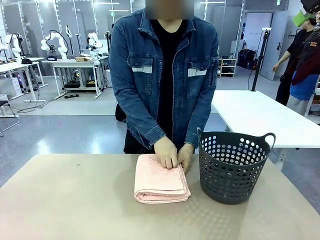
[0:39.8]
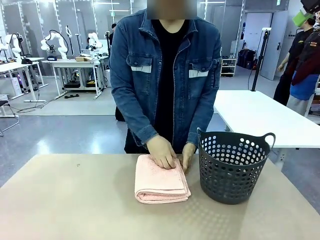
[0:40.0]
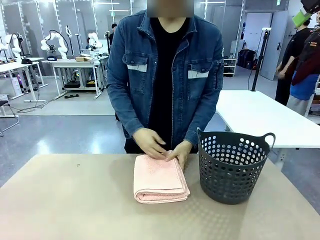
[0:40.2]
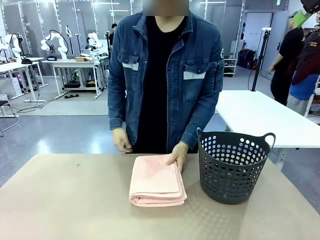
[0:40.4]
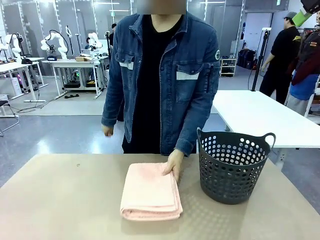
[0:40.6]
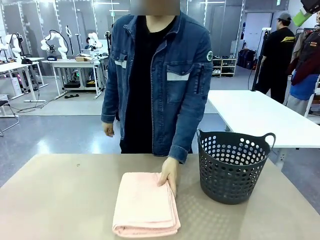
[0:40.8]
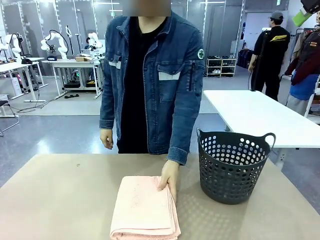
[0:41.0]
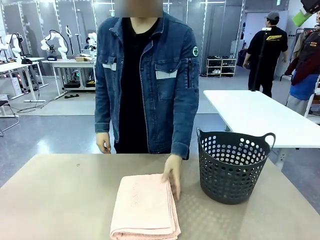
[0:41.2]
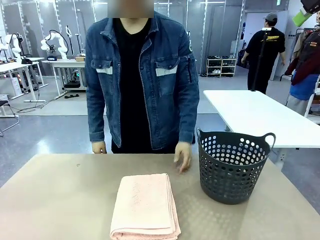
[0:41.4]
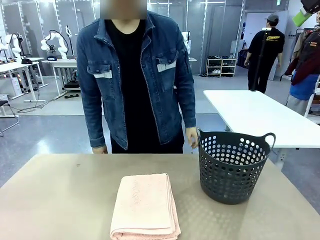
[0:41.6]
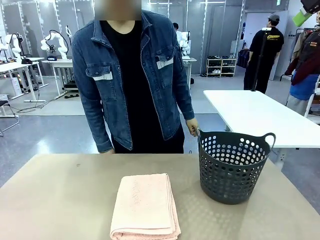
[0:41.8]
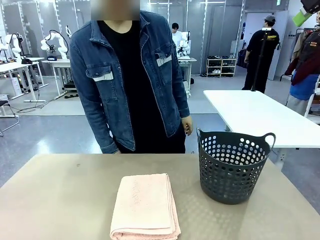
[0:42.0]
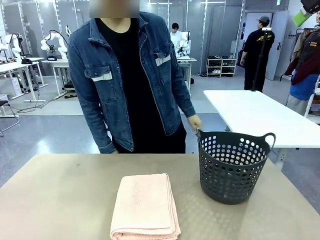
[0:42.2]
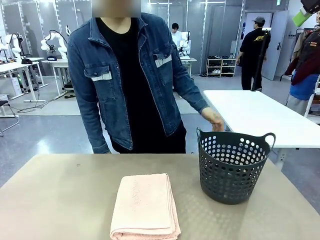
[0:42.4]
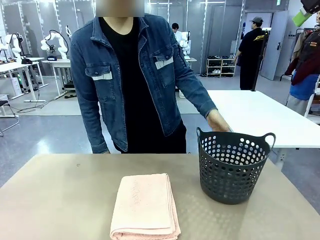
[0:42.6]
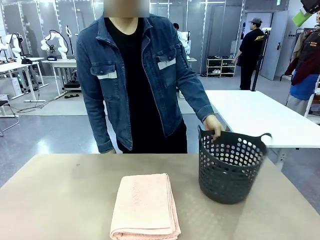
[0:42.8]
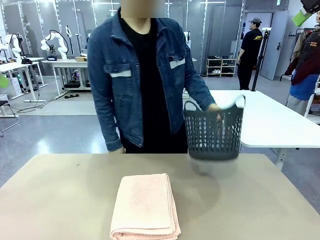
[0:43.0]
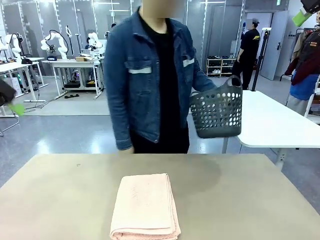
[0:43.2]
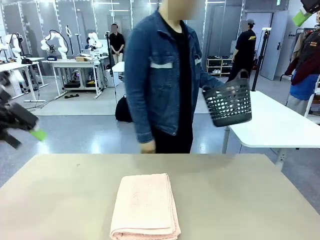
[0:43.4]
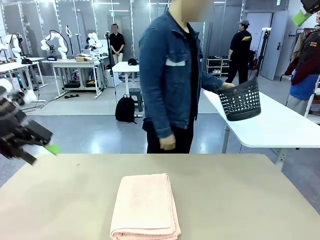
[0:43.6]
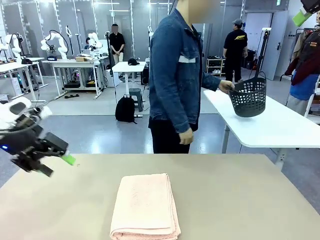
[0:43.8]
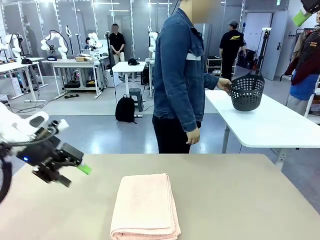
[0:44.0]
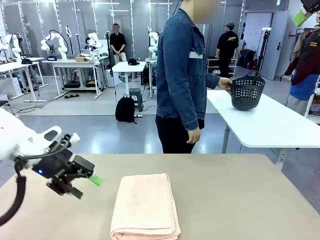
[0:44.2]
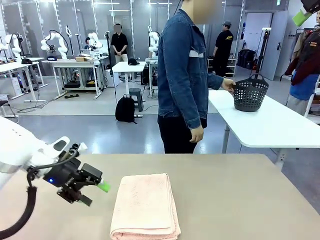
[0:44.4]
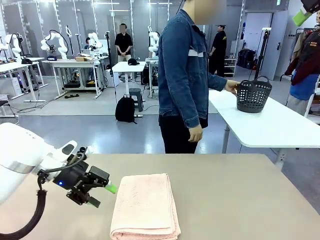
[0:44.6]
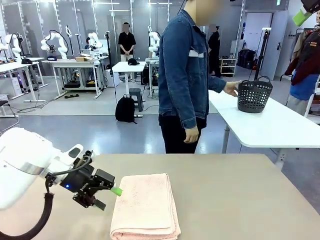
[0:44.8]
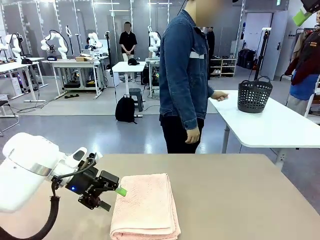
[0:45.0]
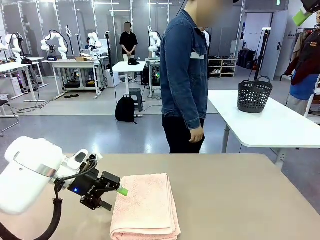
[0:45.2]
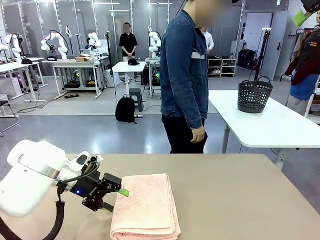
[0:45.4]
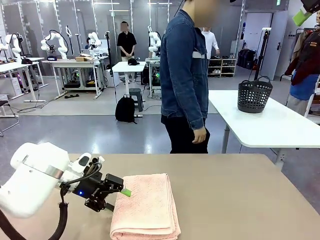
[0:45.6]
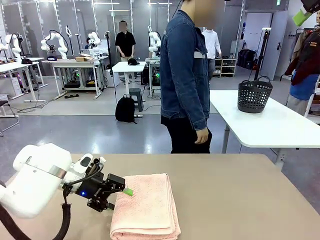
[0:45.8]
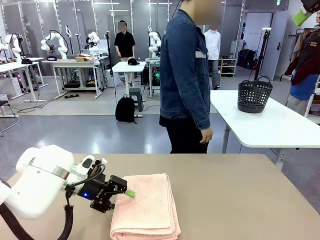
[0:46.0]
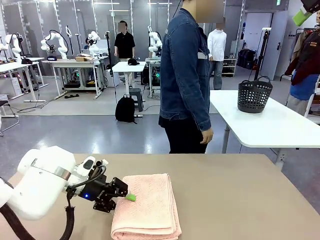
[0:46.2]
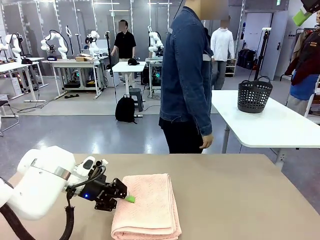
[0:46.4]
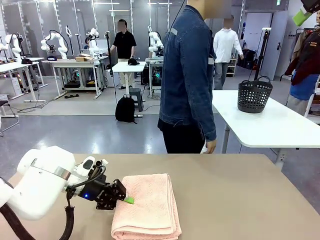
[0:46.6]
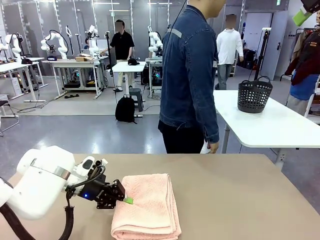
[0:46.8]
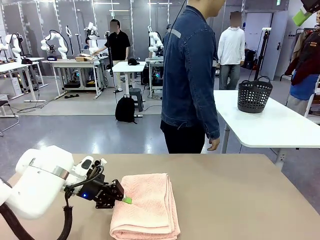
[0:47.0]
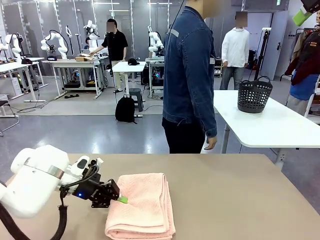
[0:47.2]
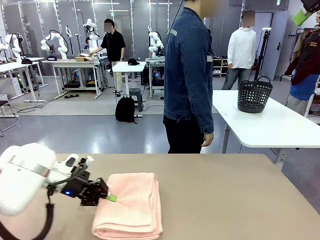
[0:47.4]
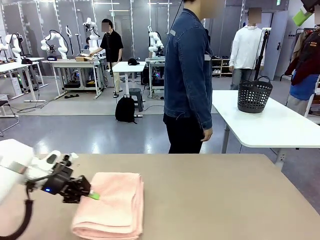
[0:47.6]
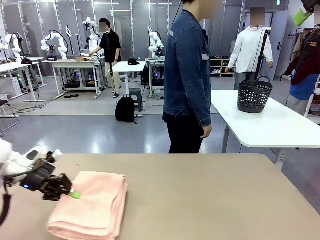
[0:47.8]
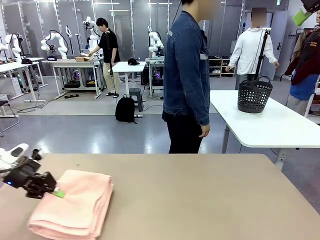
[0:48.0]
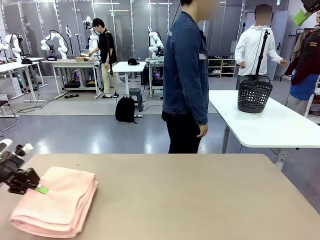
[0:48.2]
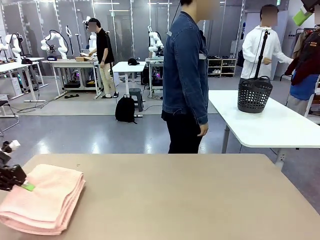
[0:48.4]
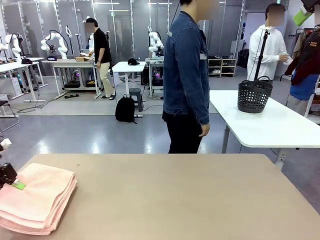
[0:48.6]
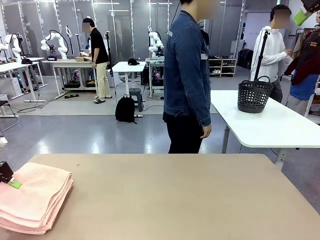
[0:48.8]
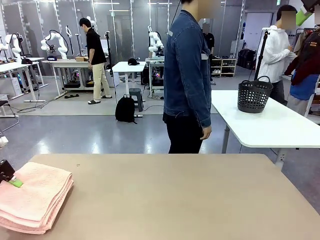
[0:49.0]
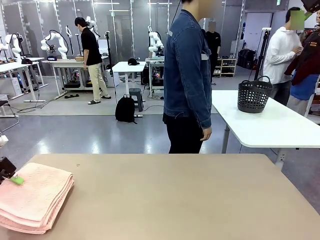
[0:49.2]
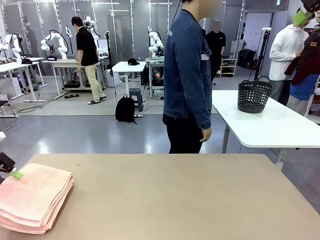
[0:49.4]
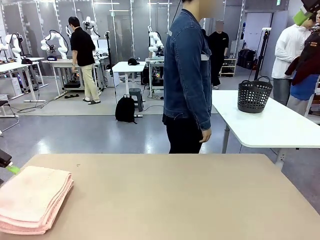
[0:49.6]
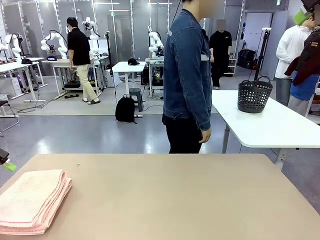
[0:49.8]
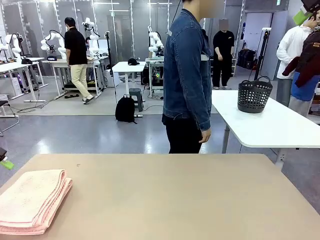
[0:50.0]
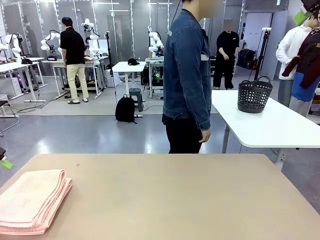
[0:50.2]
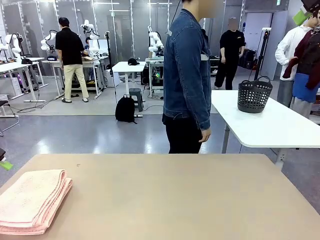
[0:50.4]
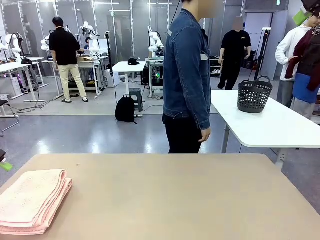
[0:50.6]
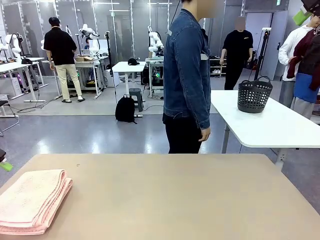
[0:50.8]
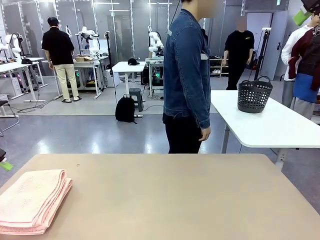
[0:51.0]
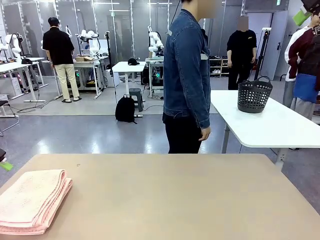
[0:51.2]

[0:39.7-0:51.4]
Task: Fold the towel.
Robot: Pick up the 100 cm Hotel Towel and place it on the left side of the table.
Person: Pick up the laundry basket and place it at the center of the human table.

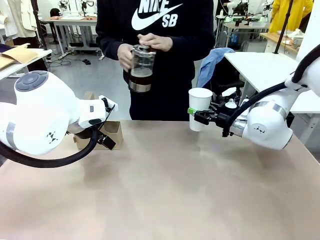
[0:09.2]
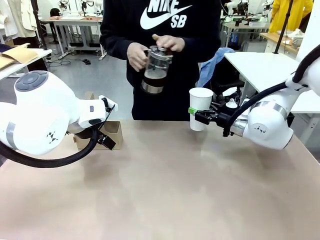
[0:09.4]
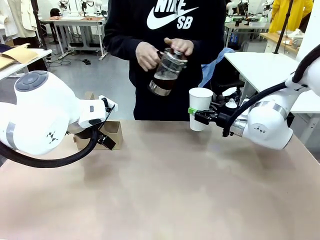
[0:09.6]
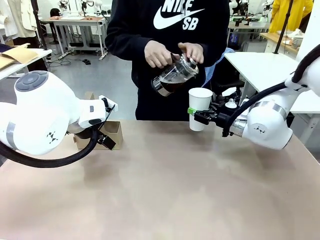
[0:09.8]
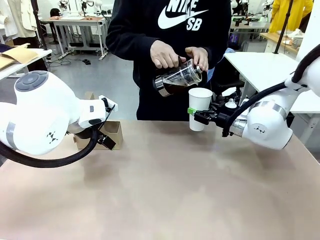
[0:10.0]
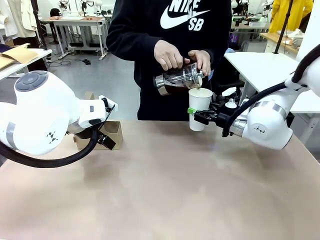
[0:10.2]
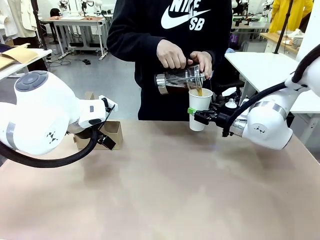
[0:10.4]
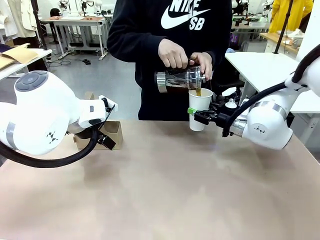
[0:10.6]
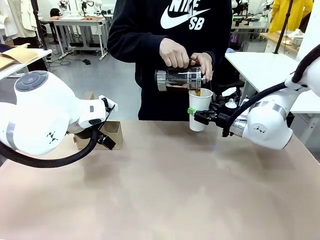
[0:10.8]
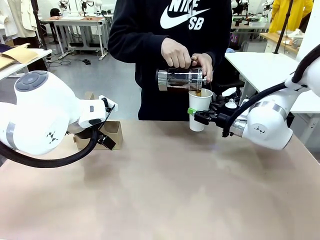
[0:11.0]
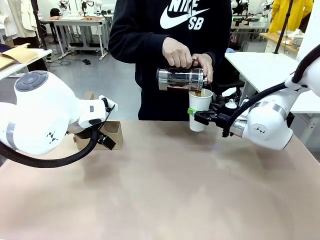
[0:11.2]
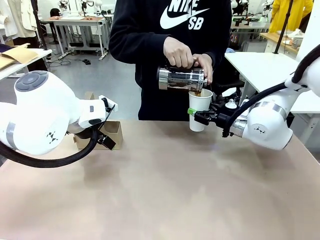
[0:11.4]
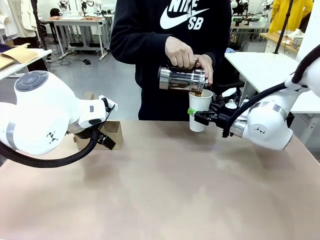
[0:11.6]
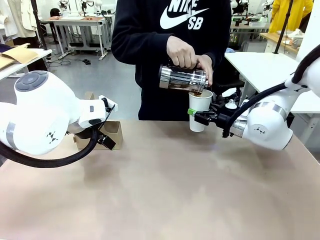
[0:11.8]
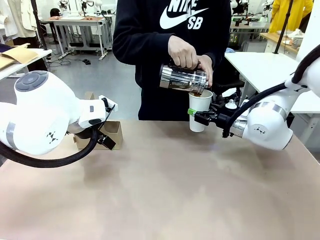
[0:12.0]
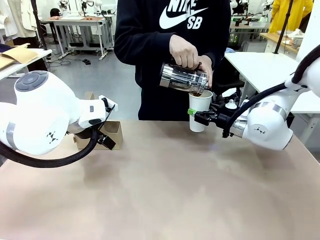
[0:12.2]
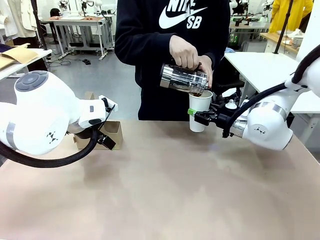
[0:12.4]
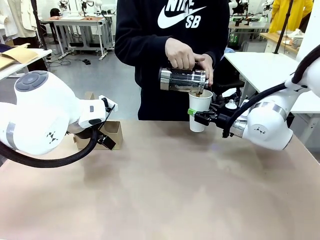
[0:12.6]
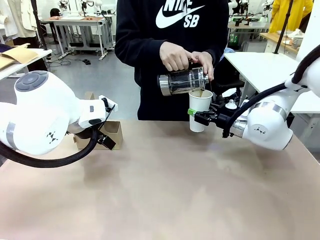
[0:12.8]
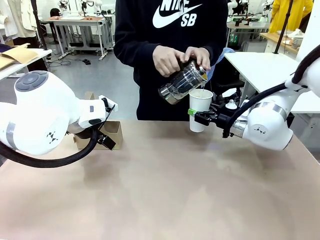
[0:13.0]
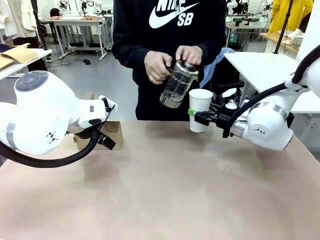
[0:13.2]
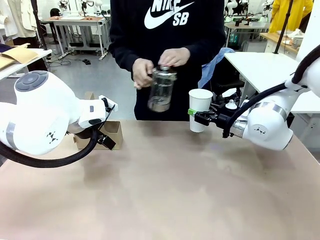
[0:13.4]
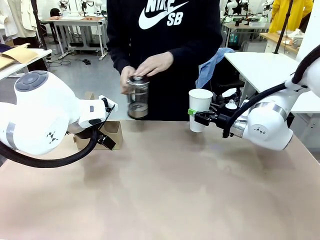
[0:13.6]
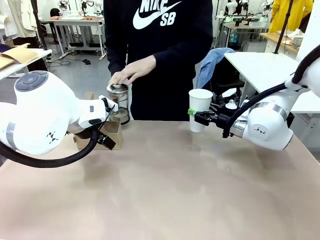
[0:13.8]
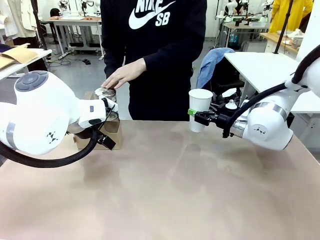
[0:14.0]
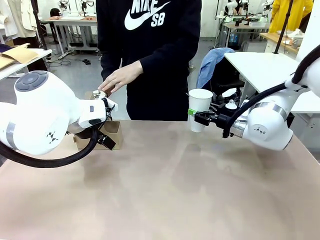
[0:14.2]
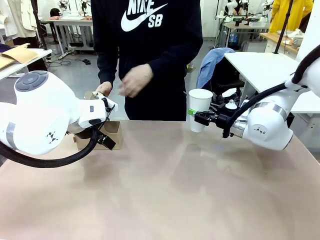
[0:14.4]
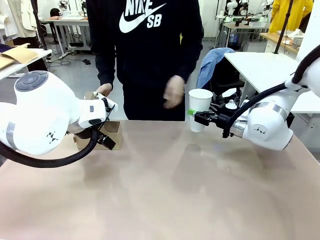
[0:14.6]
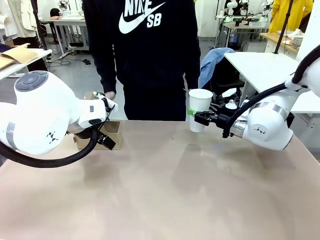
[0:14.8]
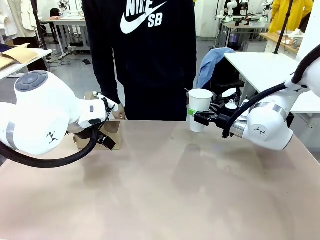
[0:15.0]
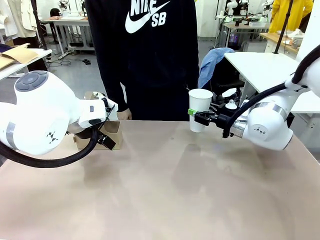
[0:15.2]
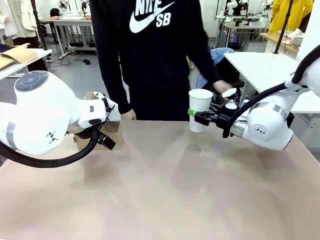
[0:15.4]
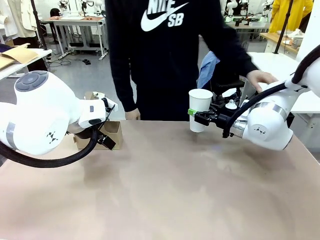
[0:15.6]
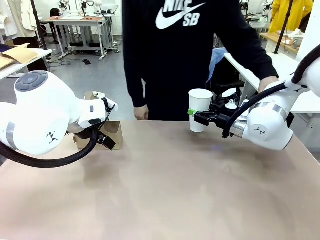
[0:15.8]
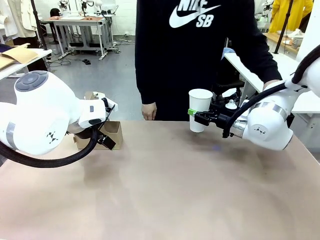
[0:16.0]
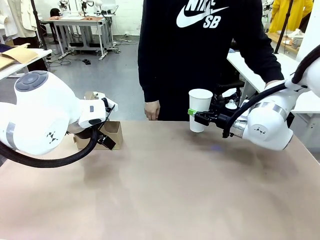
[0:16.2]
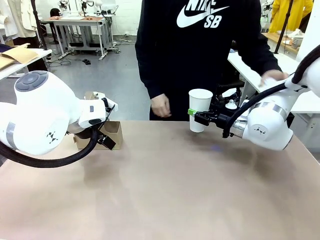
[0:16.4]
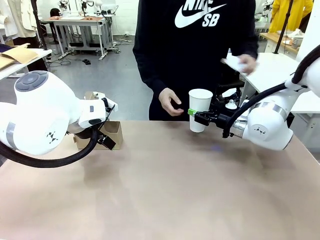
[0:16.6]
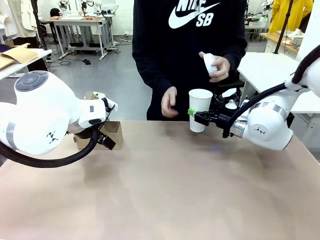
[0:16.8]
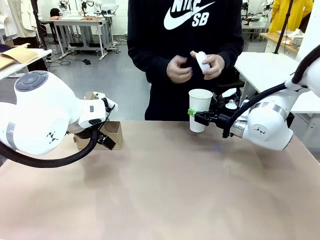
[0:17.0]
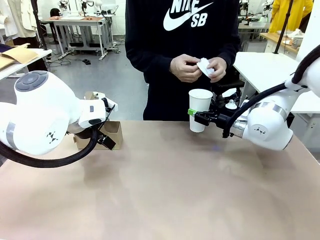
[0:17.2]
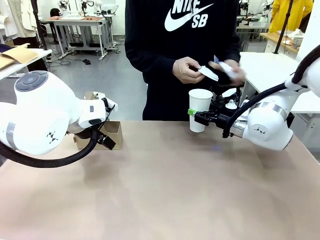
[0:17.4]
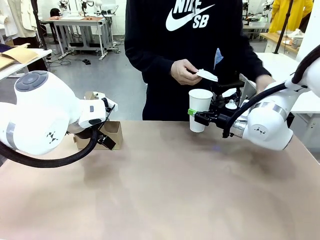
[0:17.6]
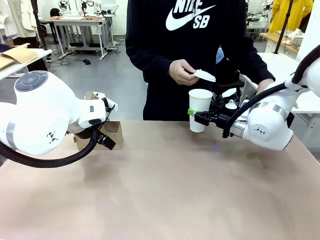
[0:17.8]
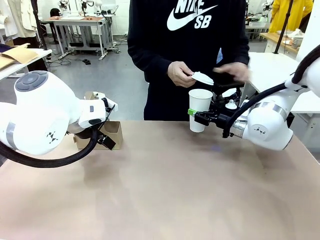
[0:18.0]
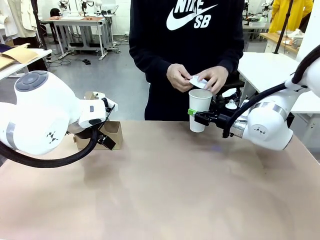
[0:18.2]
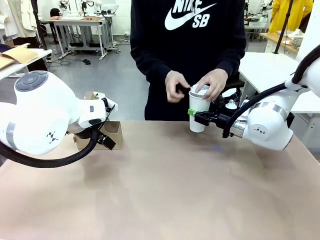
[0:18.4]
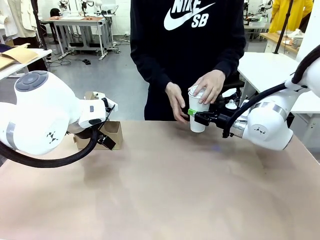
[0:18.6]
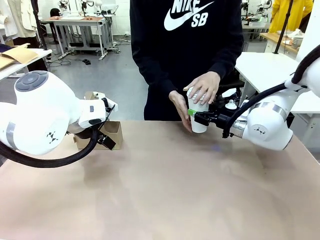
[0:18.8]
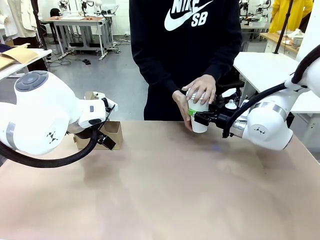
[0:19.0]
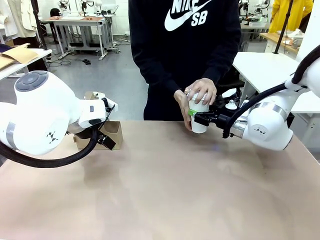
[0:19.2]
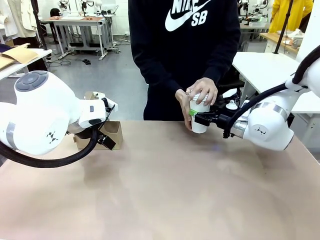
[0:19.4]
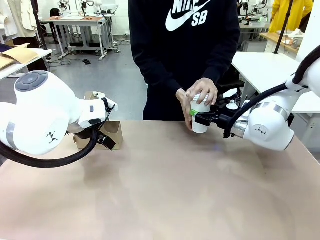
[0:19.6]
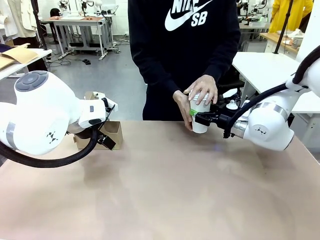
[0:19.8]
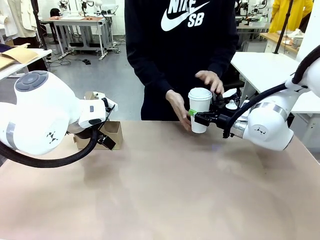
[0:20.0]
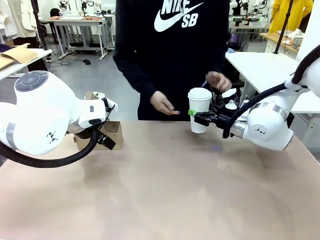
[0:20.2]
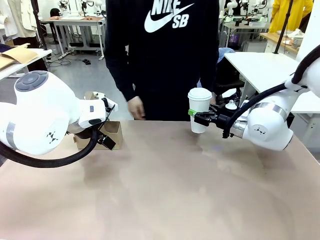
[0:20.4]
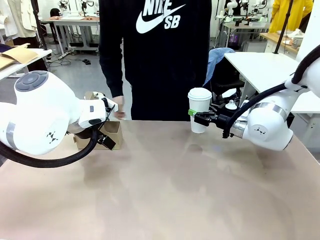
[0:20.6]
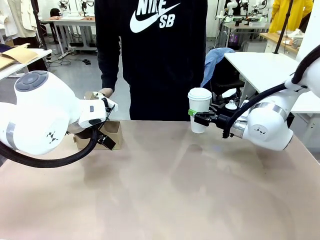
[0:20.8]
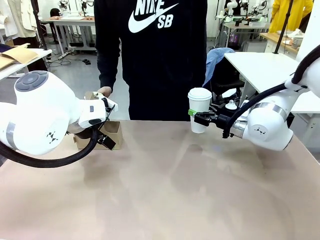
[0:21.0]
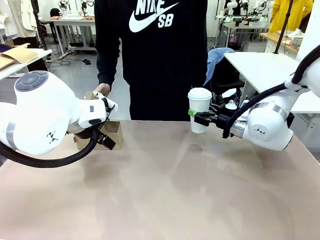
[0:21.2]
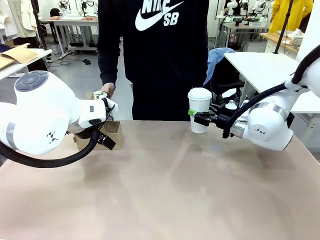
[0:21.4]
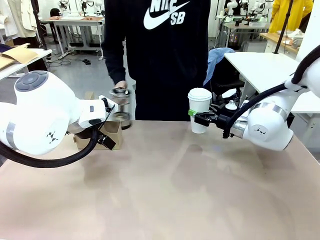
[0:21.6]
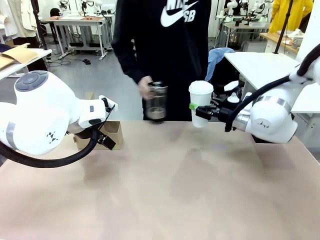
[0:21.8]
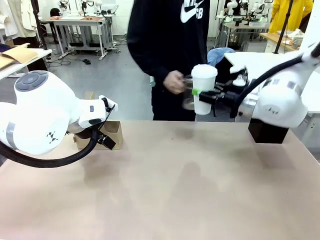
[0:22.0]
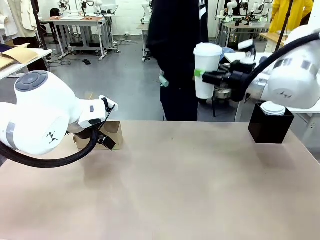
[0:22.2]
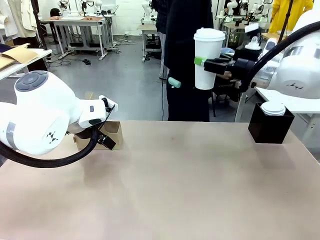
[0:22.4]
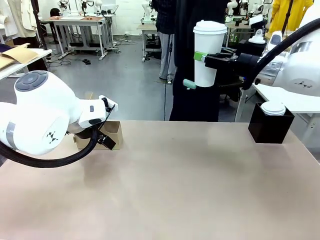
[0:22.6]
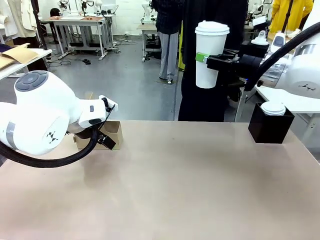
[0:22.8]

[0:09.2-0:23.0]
Task: Pour a drink into a cup and package it in a carrier.
Robot: When a person places the Paper Cup Lid on the 600 ml Paper Cup , lift the 600 ml Paper Cup.
Person: Pour the drink from the Filter Brewing into the 600 ml Paper Cup. Place a Paper Cup Lid on the 600 ml Paper Cup.
